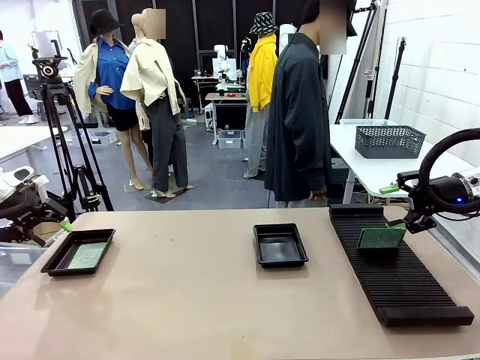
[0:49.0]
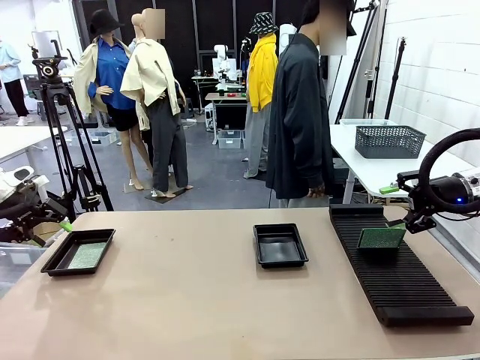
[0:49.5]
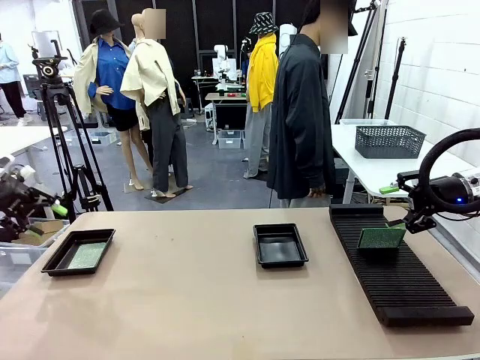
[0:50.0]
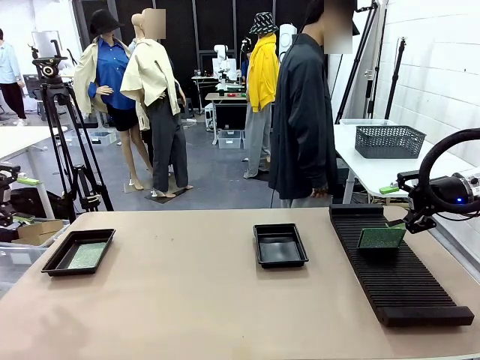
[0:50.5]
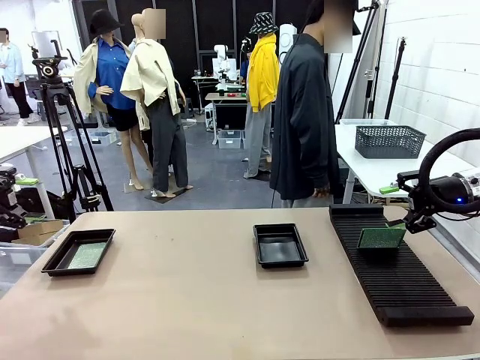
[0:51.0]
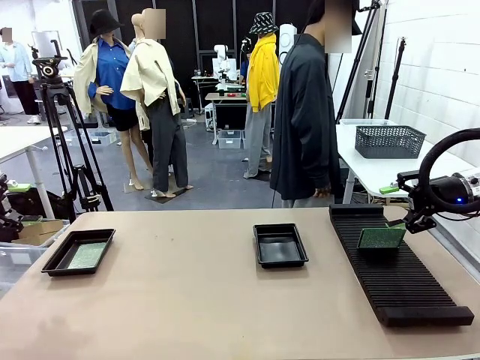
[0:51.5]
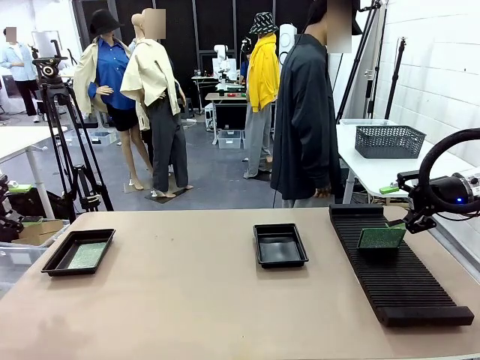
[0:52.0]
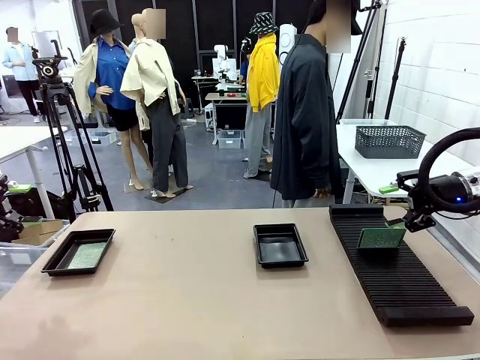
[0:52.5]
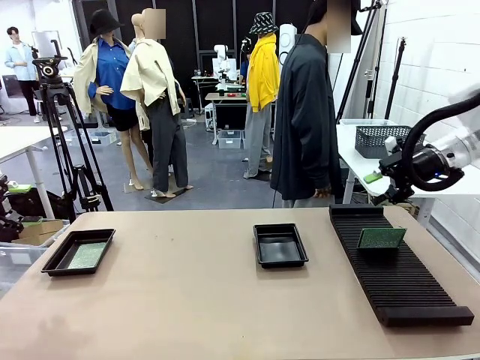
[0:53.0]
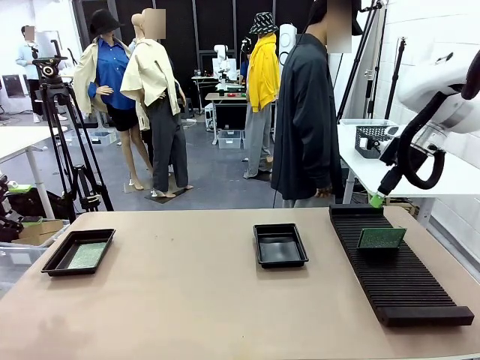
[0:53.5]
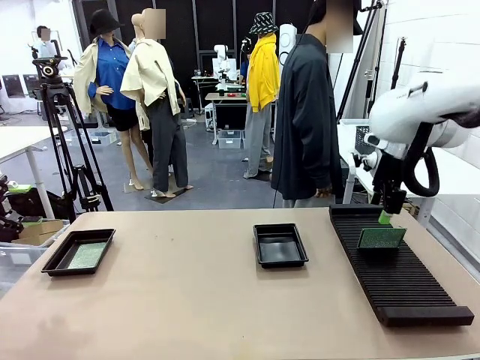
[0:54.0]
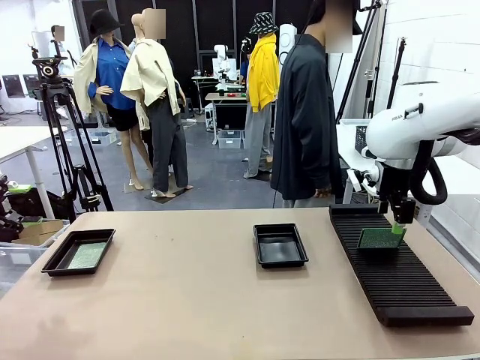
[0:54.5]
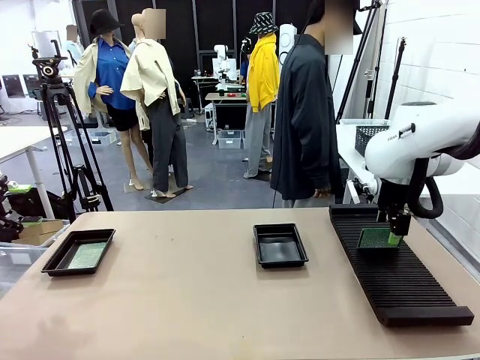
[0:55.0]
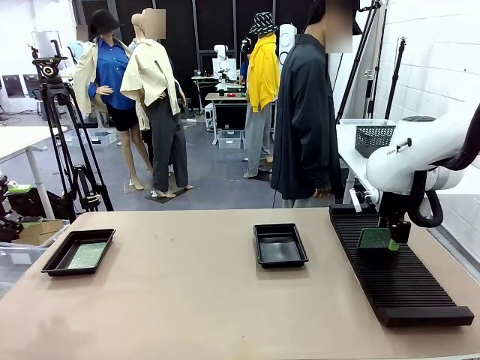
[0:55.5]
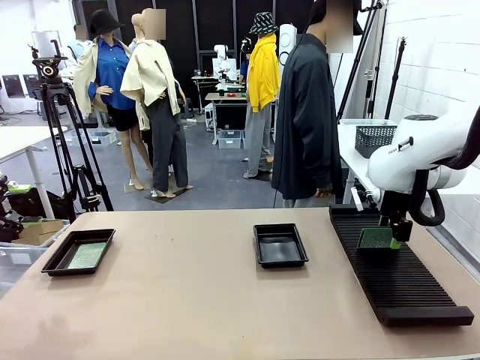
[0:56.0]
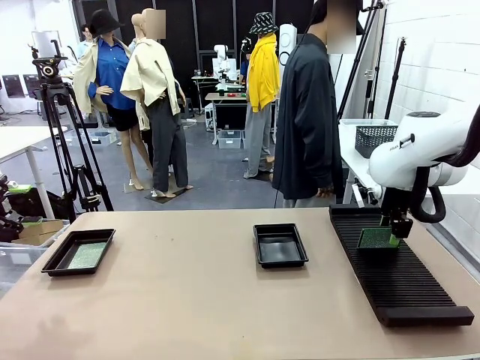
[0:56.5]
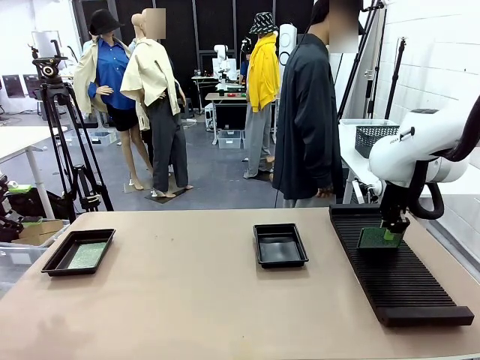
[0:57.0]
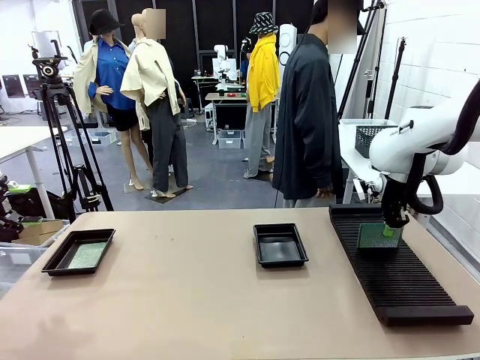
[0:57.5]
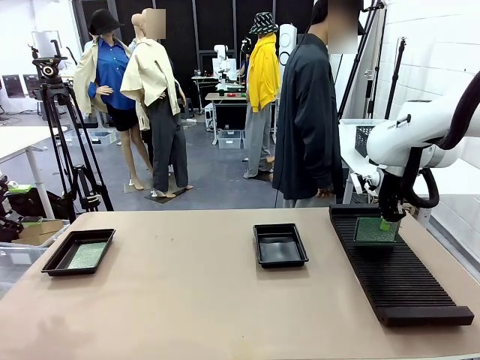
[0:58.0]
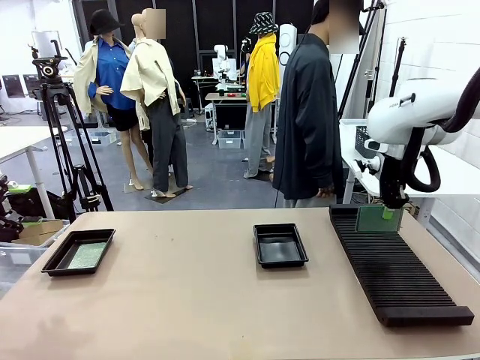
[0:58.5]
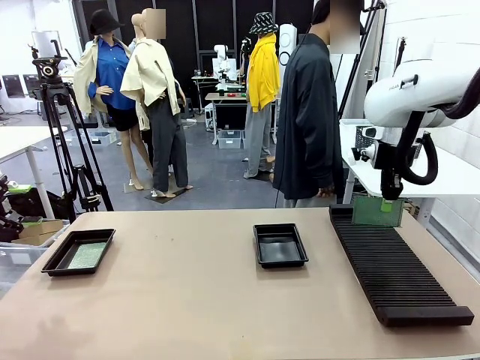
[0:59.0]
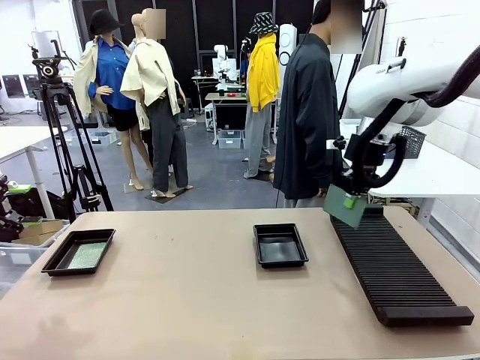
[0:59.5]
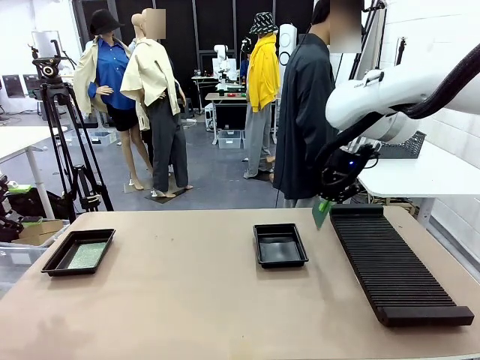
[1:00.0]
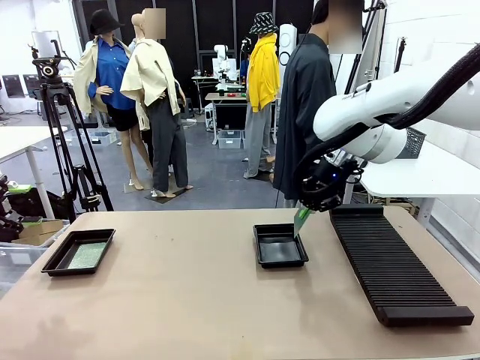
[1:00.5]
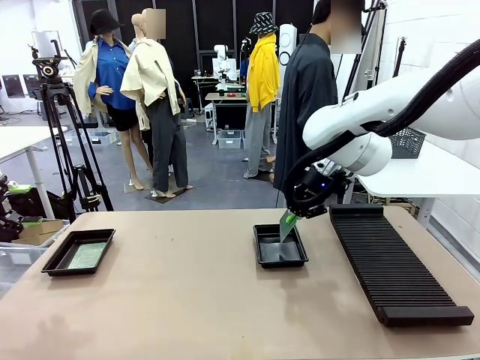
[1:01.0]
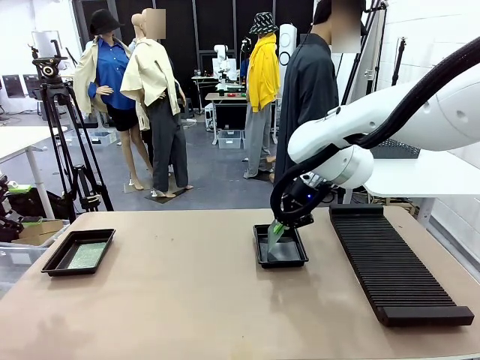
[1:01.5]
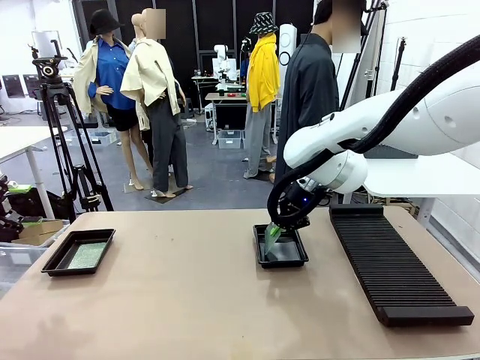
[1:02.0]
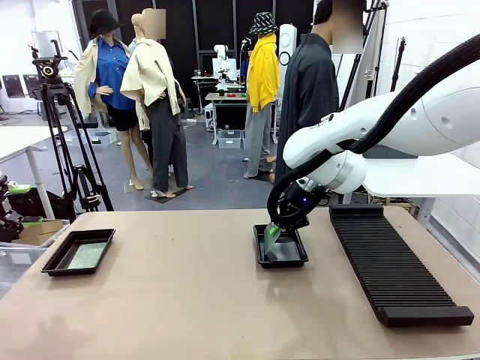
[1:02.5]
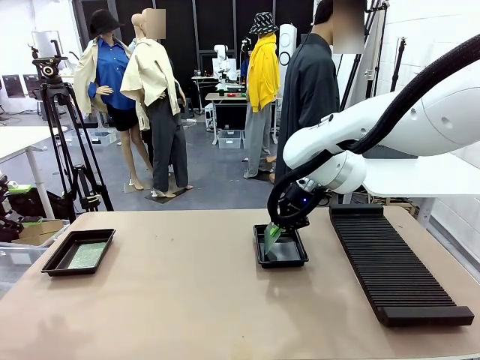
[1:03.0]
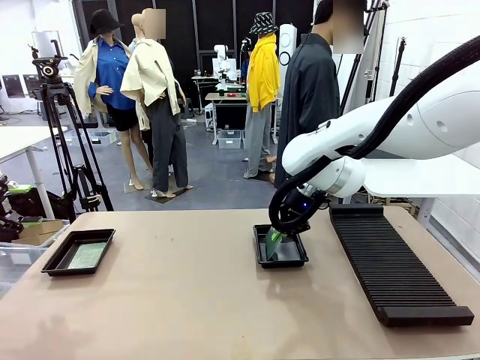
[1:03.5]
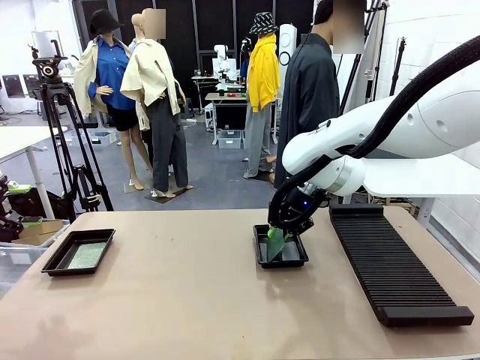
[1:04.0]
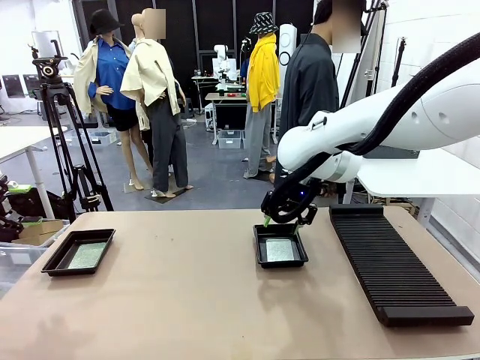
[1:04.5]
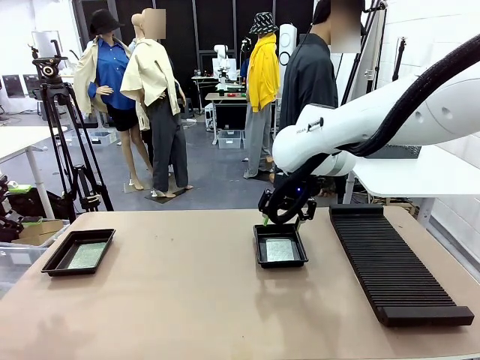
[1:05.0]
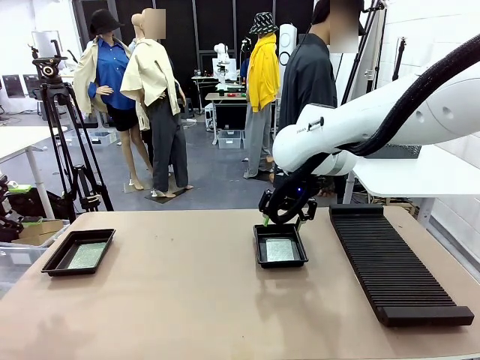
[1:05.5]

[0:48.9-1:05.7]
Task: Inspect and transfer BCBs to ESD trays.
Robot: Pick up the Blank PCB from the PCB Rack and place it in the right ESD tray.

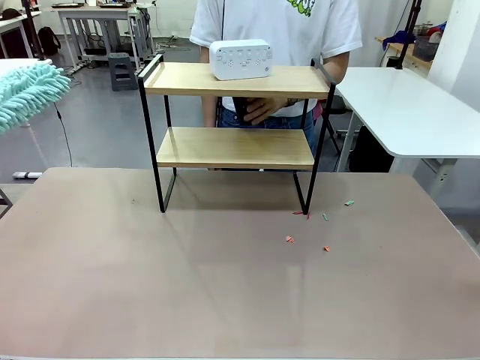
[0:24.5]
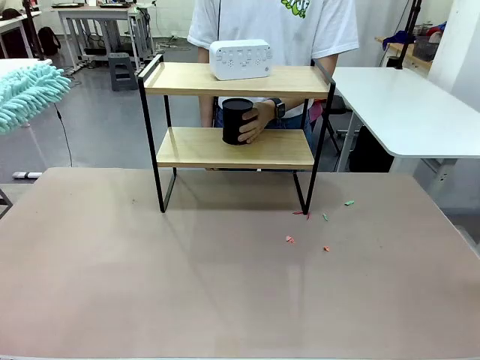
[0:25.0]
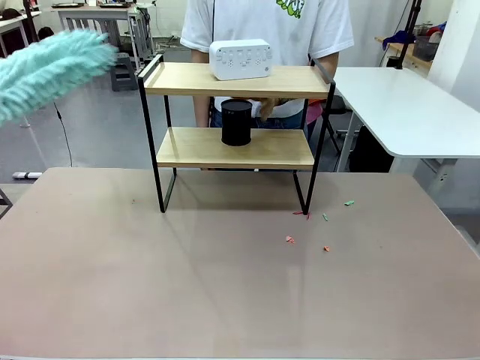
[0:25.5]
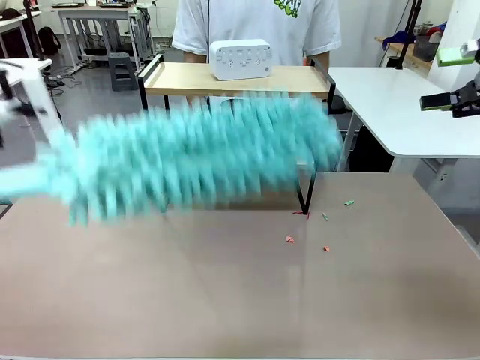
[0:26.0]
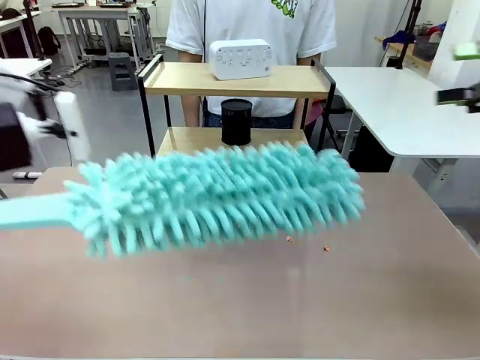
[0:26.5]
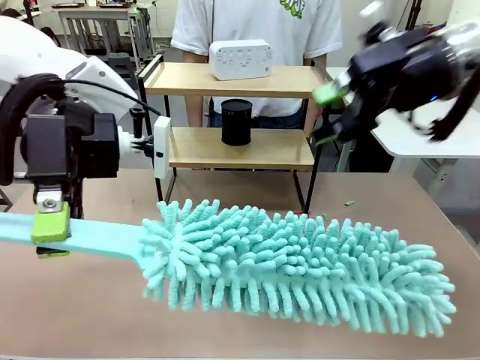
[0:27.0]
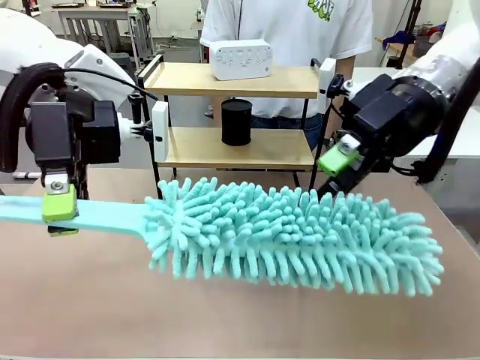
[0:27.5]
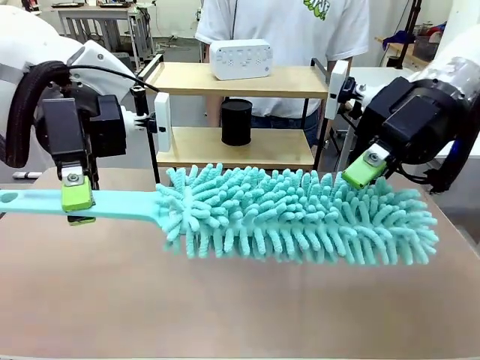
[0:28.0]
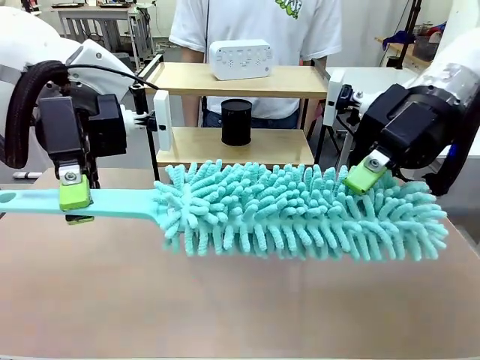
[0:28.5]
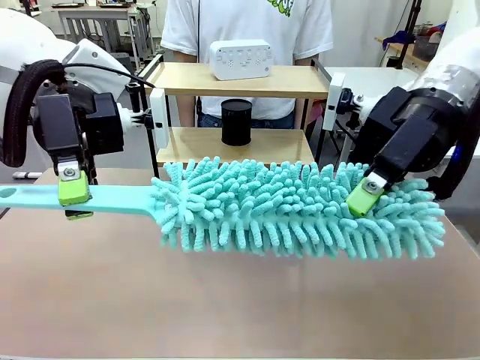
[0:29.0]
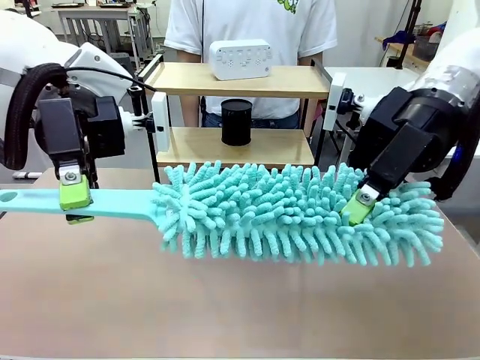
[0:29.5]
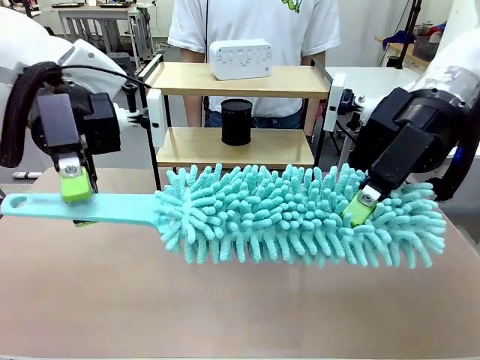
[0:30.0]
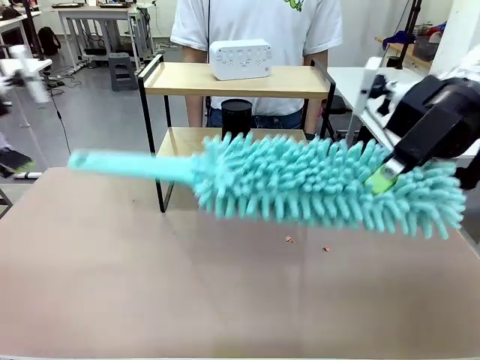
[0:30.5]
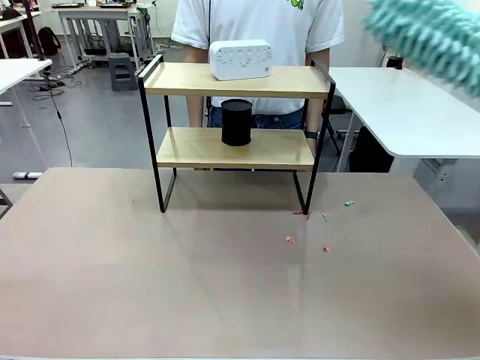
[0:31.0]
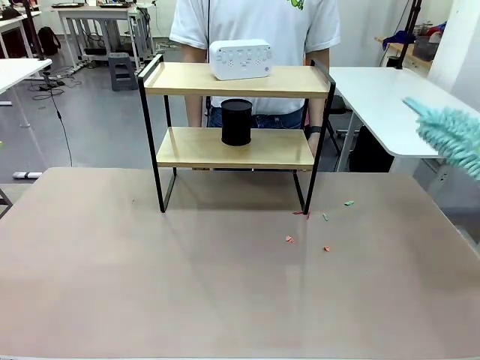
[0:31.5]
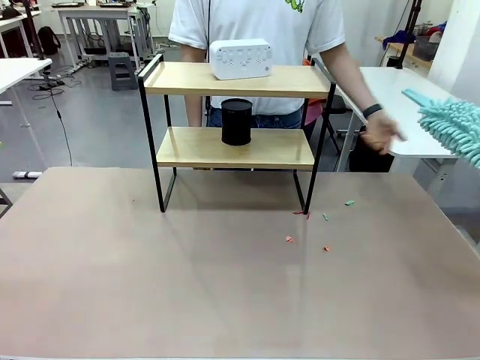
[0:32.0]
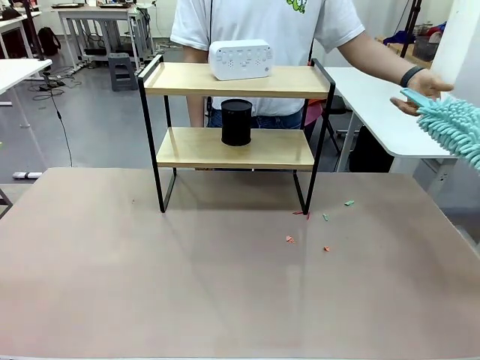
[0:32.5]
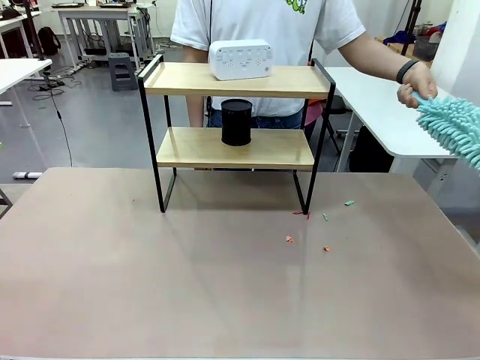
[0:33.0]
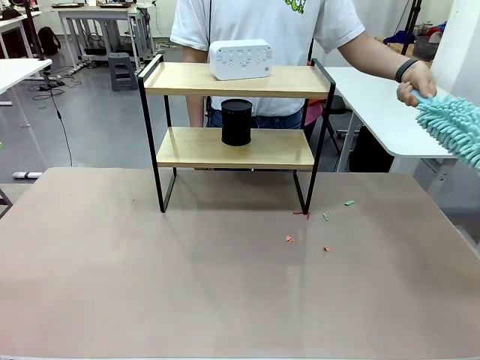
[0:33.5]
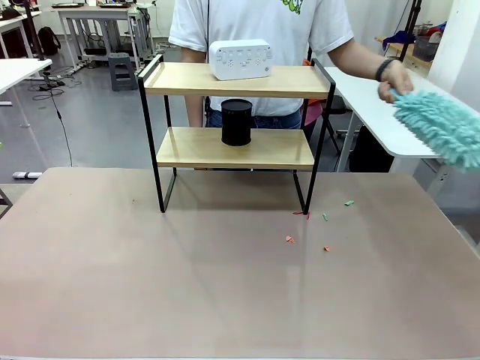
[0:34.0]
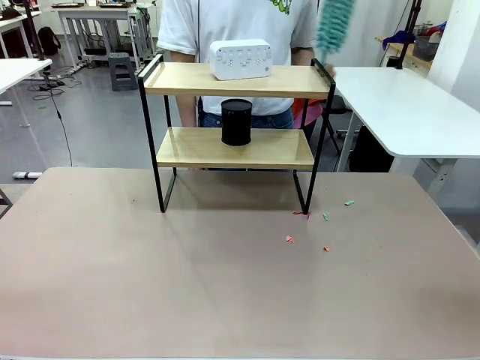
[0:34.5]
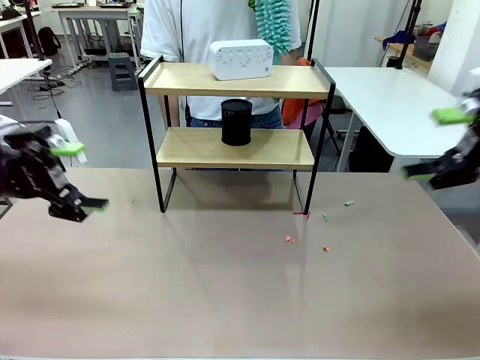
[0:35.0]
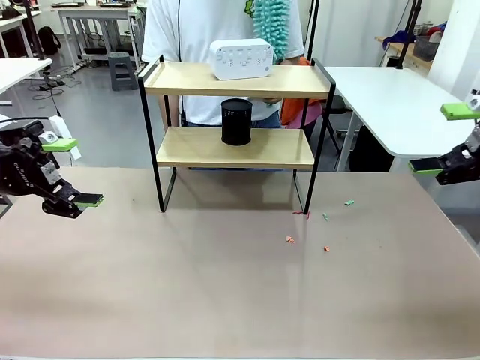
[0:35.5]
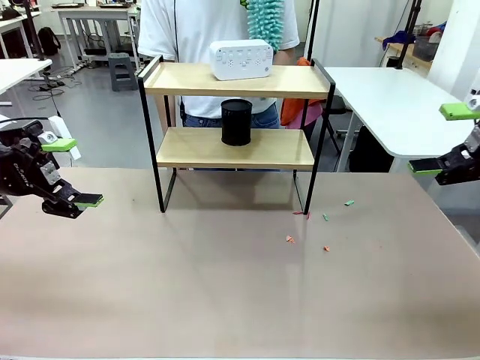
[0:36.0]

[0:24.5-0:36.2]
Task: Clean the shelf.
Robot: Hand the Duster back to the human.
Person: Receive the Duster from the robot.
